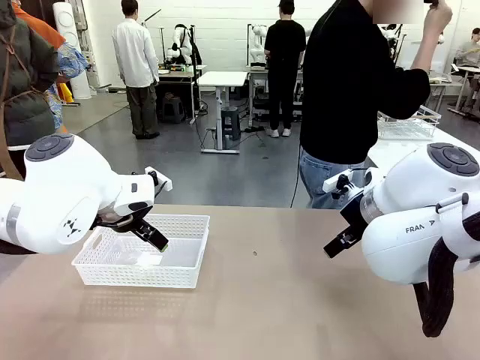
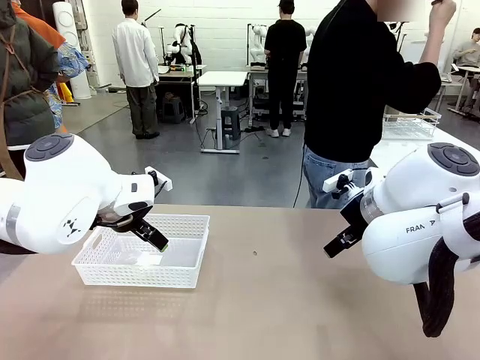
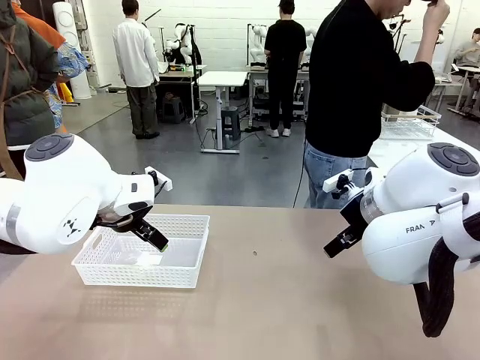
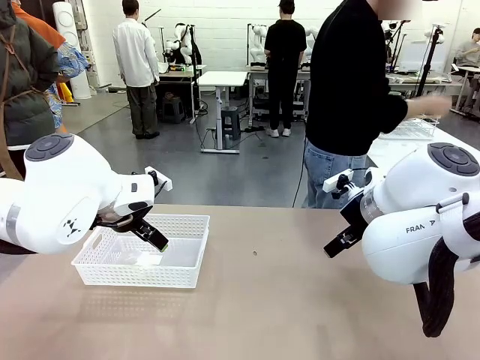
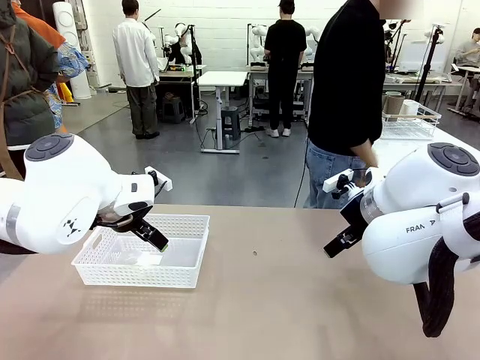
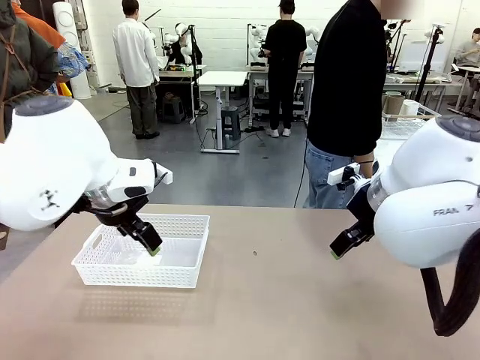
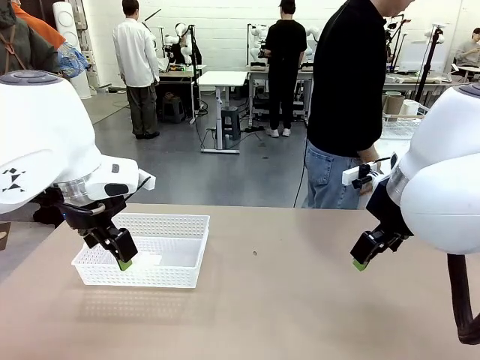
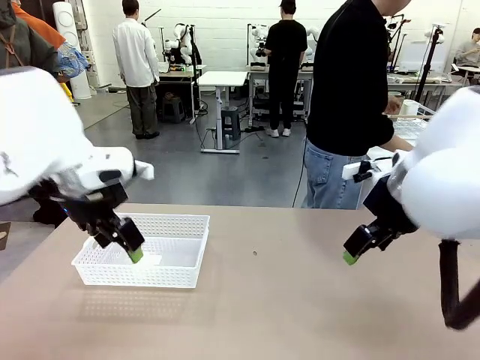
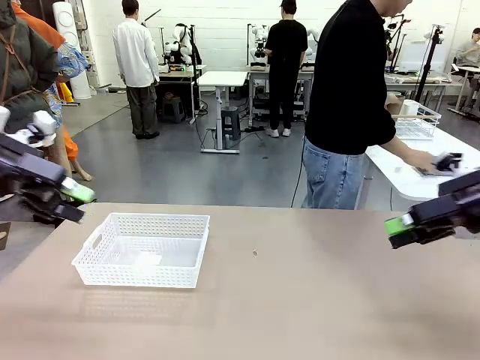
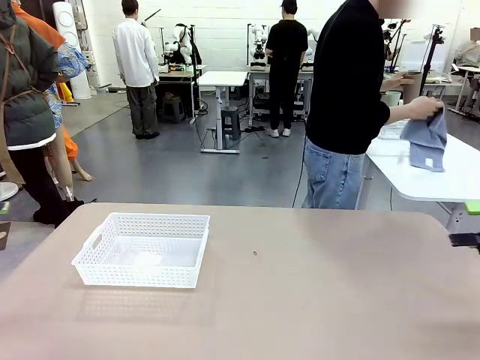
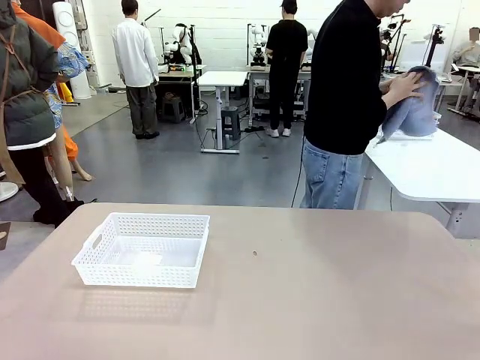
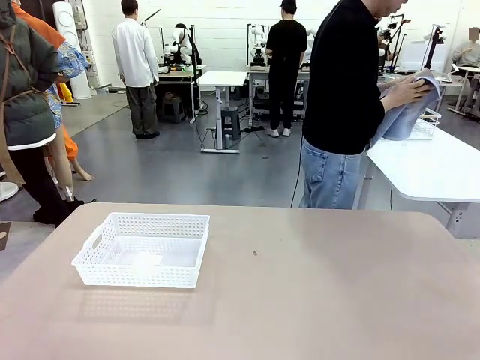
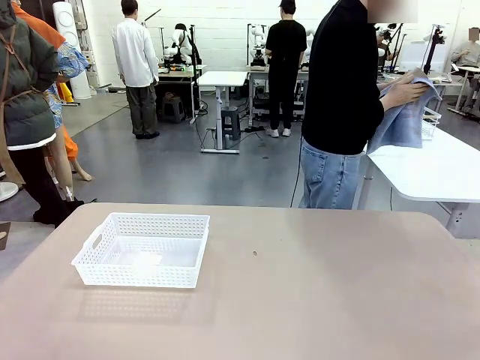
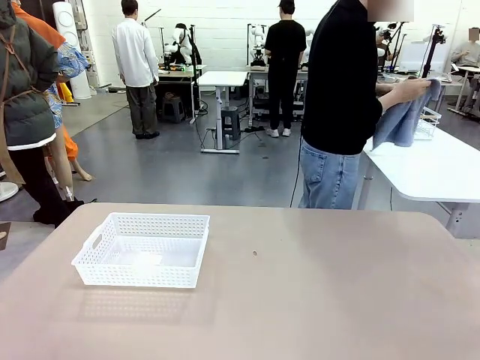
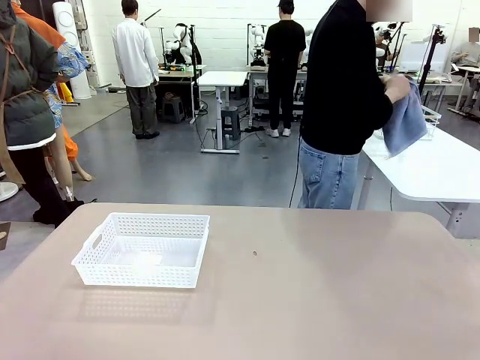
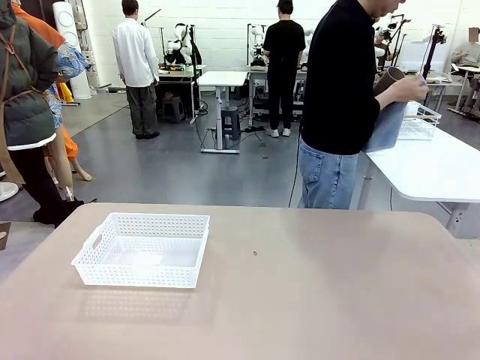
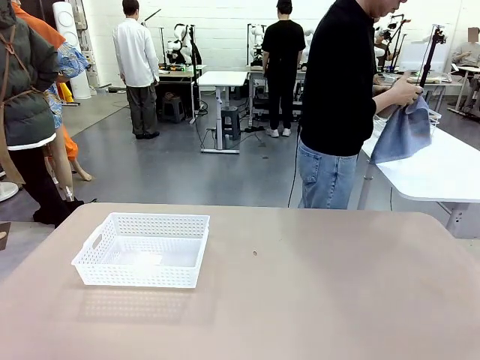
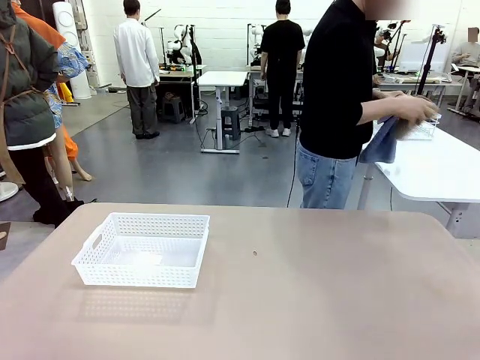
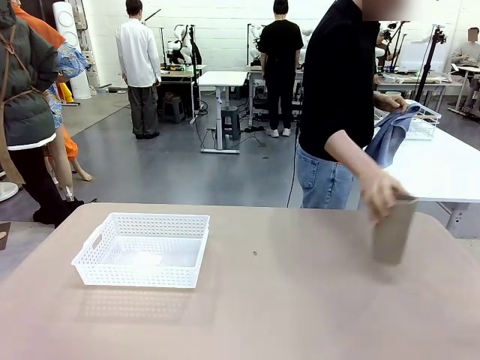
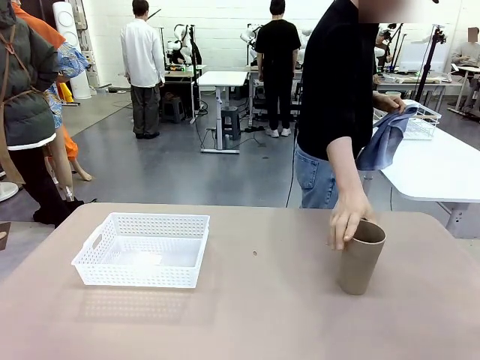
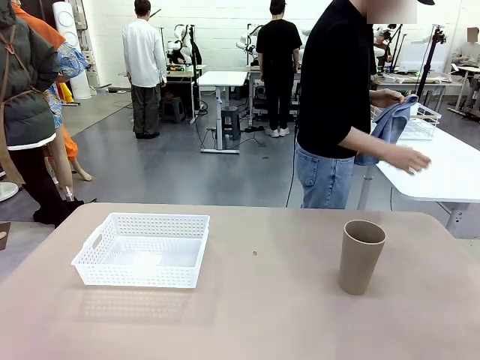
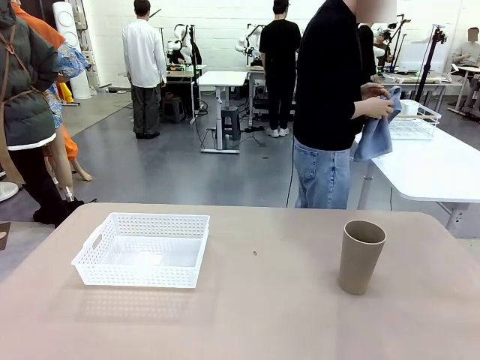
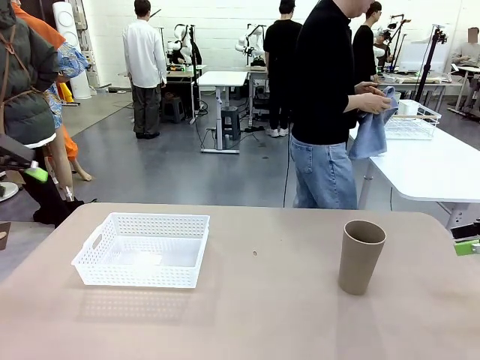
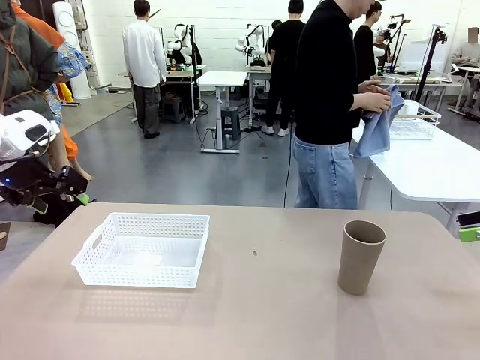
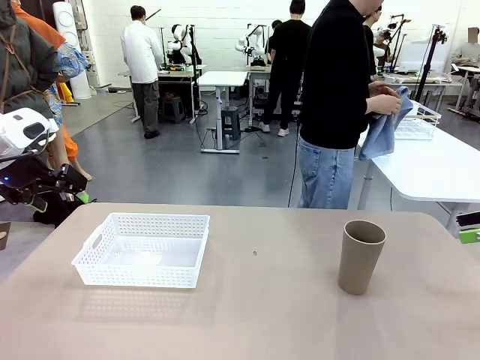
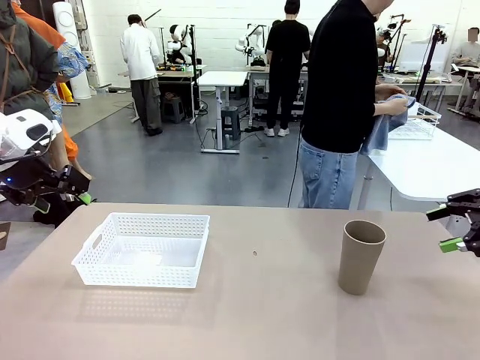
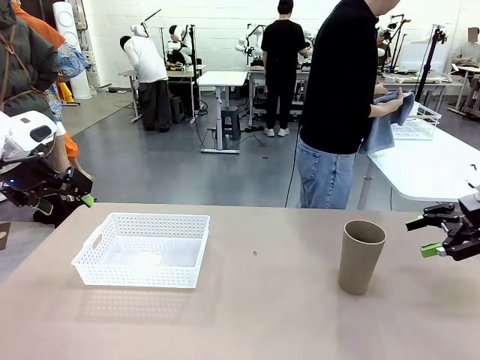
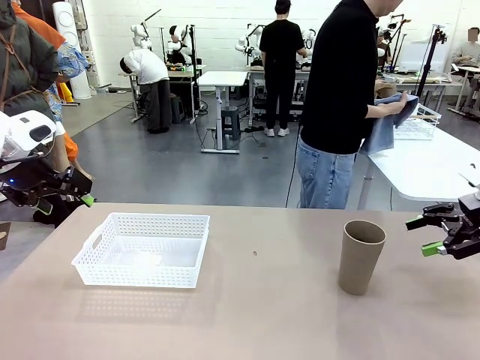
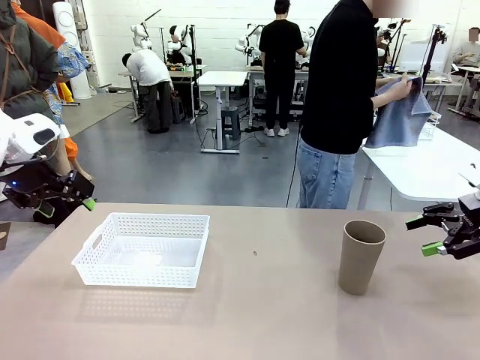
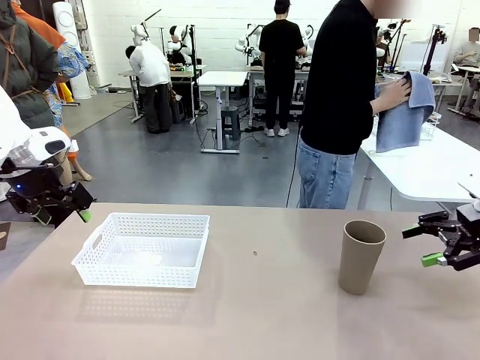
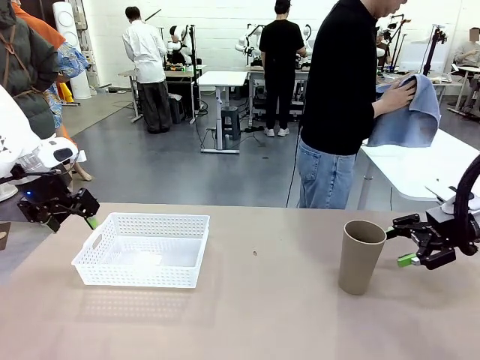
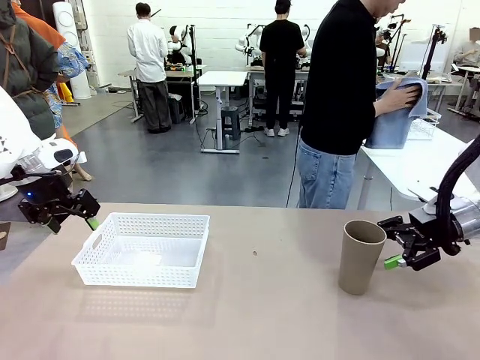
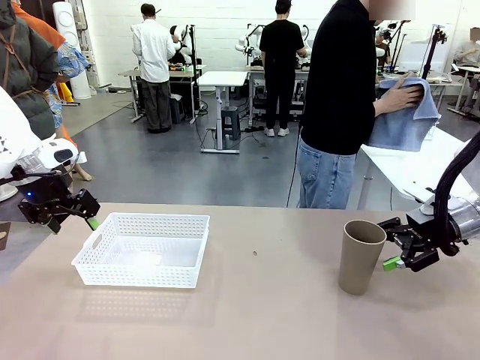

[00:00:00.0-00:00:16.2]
Task: Clean and organize the cups into the basket.
Robot: Pick up the Organizing basket and move it to the center of the table, then pick up the Reusable plastic cup from the right side of the table and place it inside the Organizing basket.
Person: Picks up a cup and a towel, cleans the cup with the towel, and places it on the left side of the robot table.

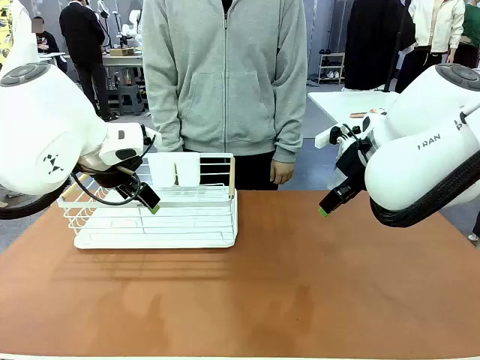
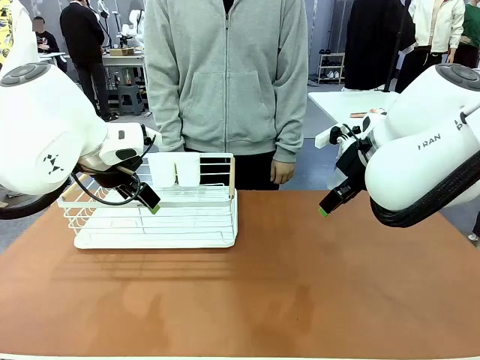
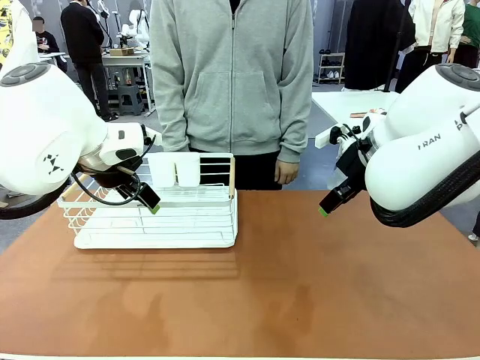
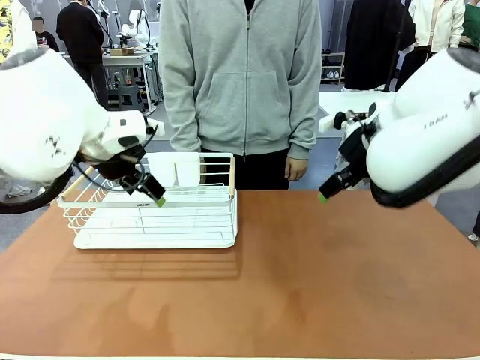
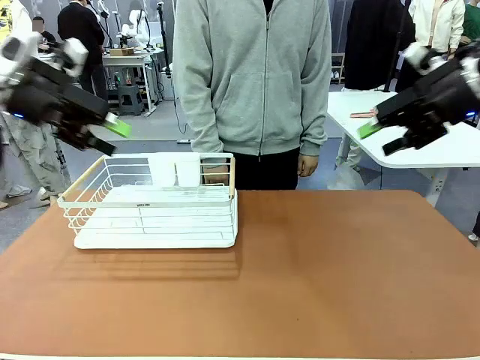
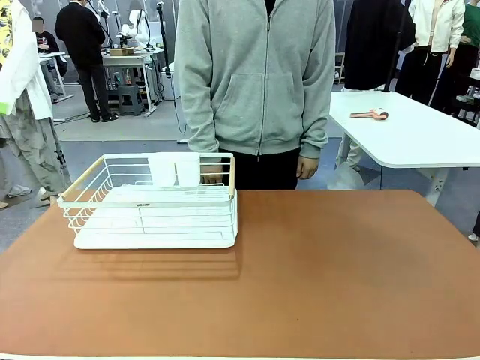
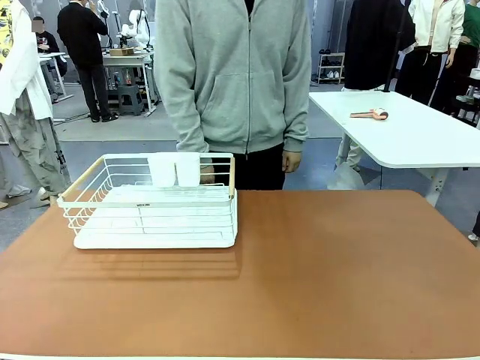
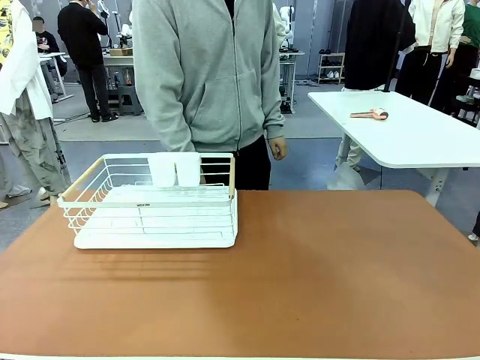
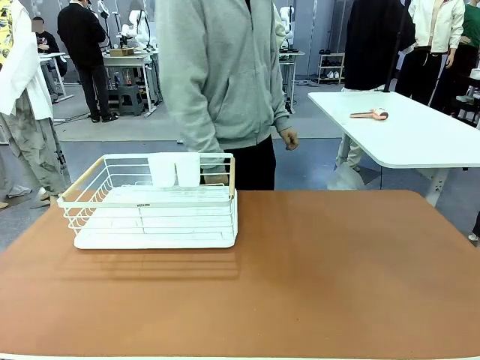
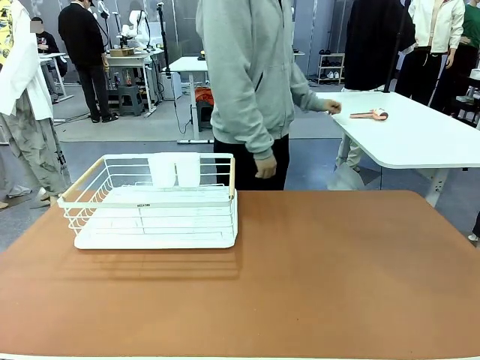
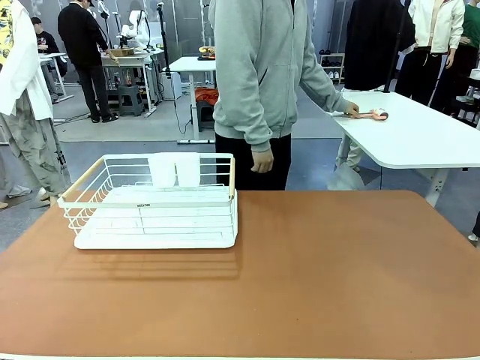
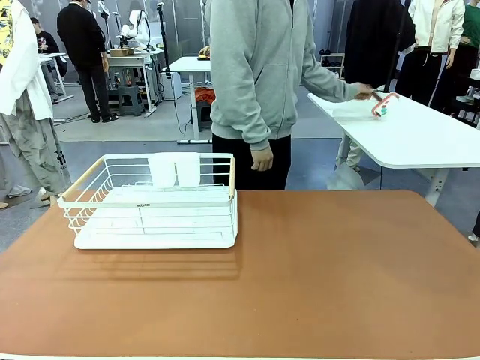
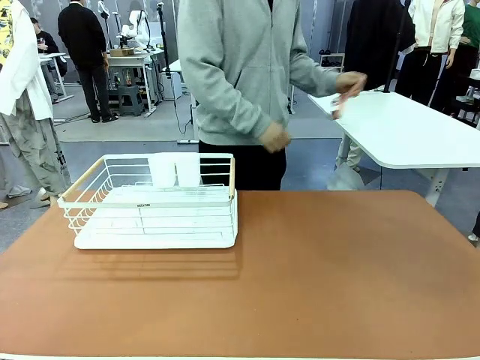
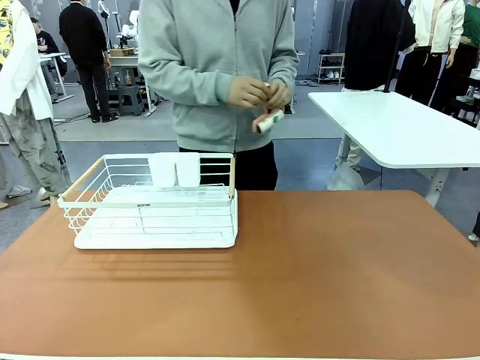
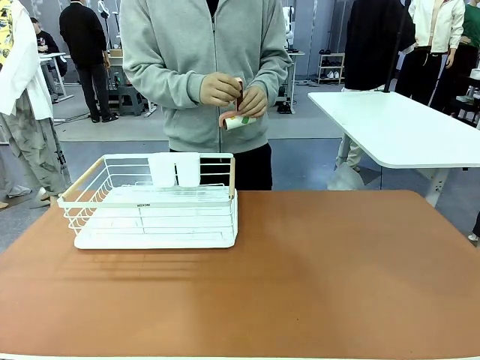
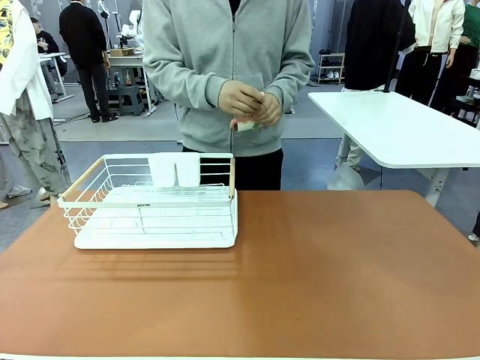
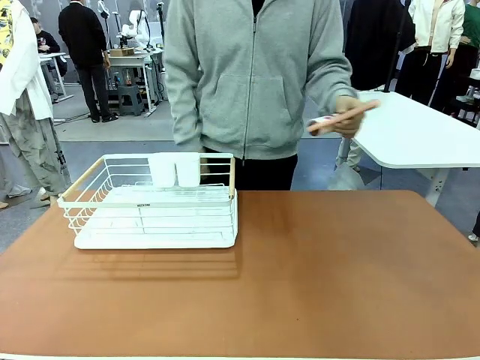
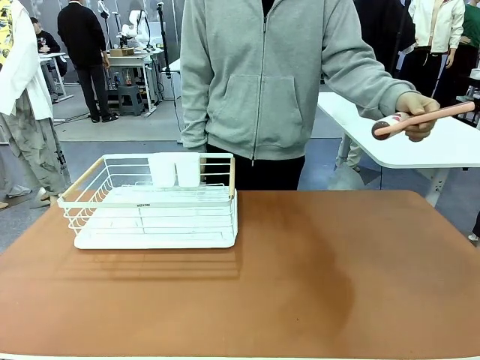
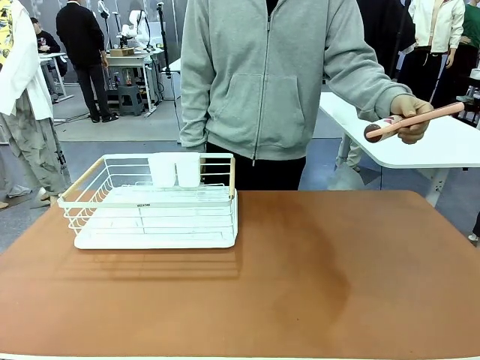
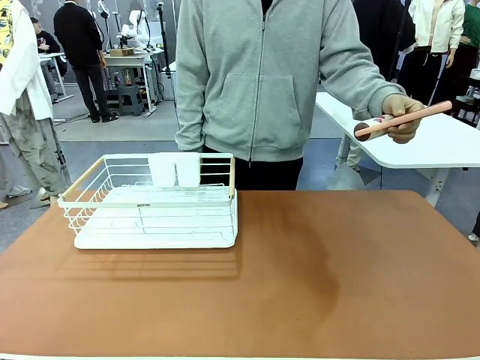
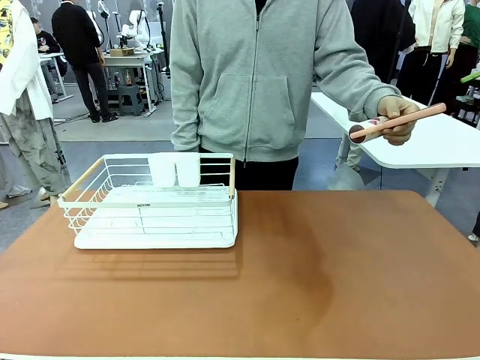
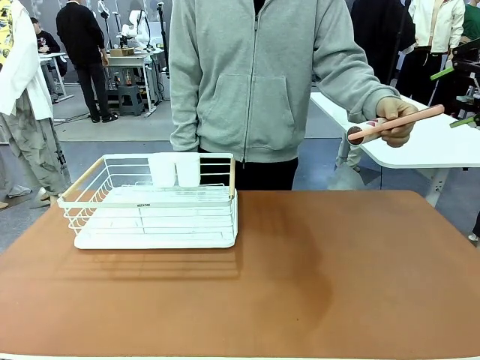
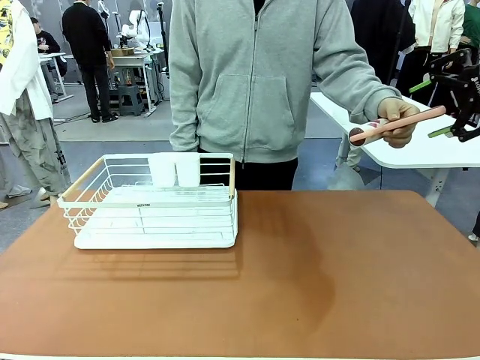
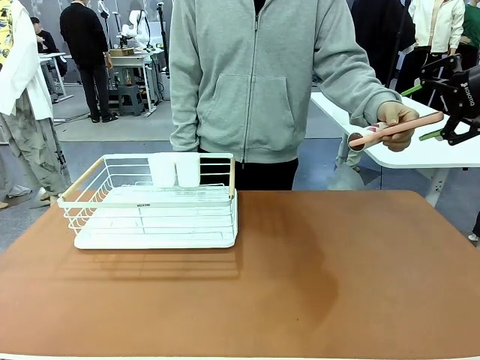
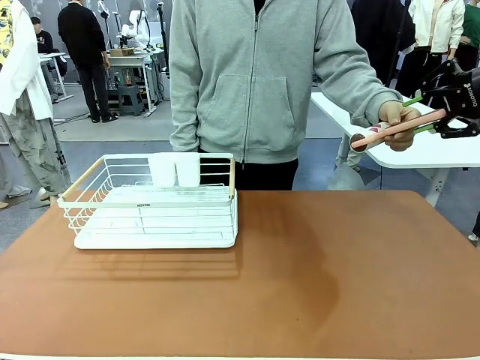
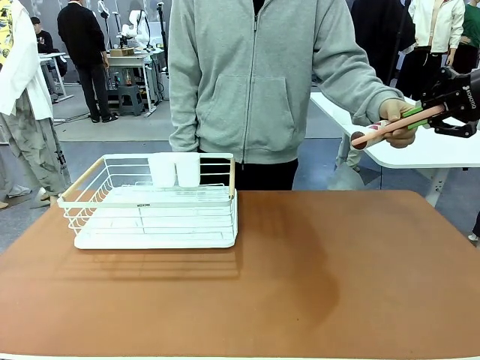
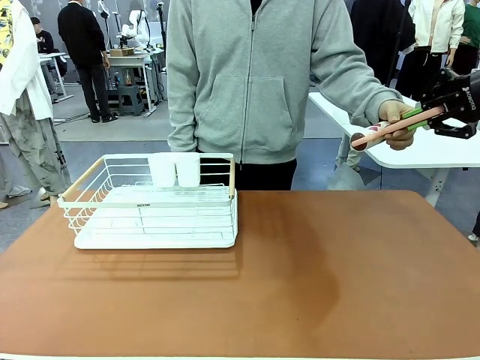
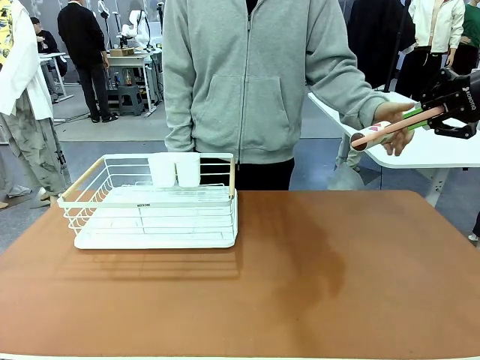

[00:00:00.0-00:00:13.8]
Task: Clean the table.
Robot: Pick up the Lint Roller when the human hands it over.
Person: Hand the Lint Roller to the robot so it can easily pick it up. Lift the Dish drying rack.
